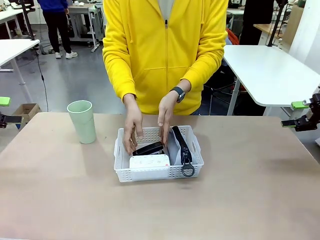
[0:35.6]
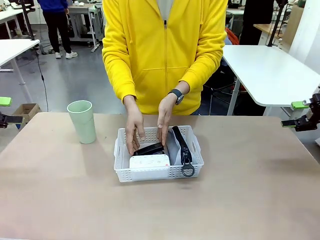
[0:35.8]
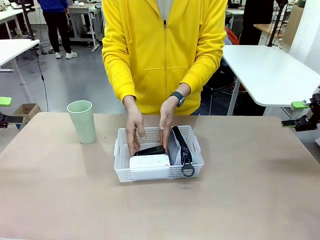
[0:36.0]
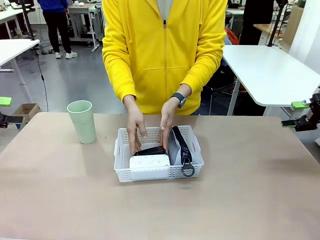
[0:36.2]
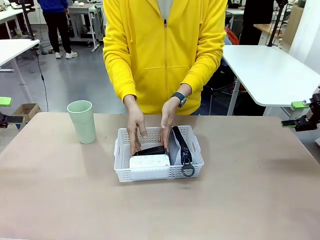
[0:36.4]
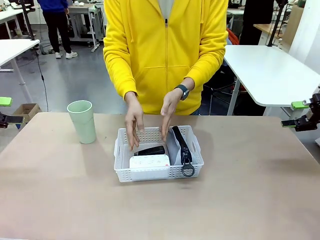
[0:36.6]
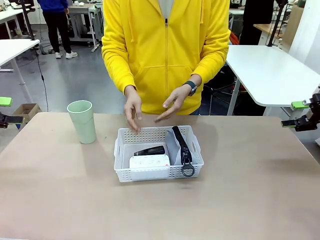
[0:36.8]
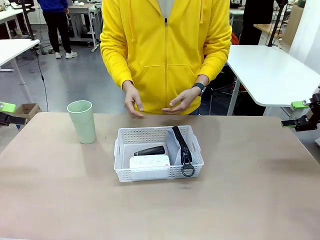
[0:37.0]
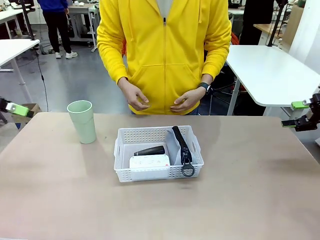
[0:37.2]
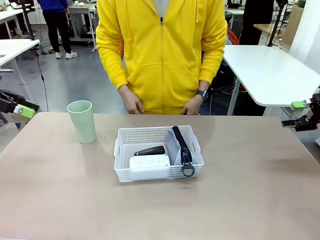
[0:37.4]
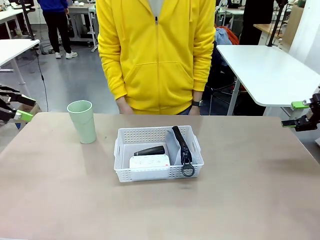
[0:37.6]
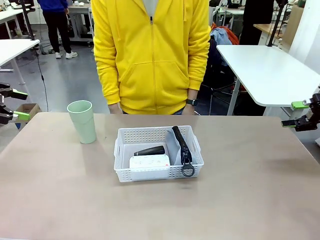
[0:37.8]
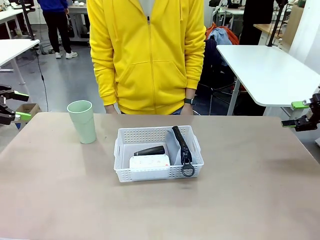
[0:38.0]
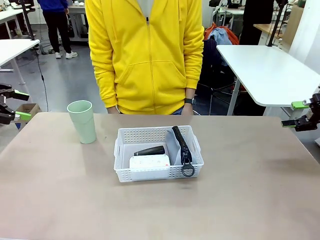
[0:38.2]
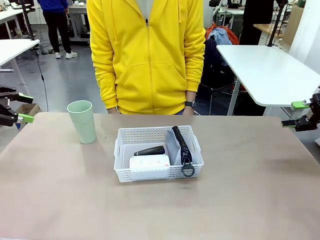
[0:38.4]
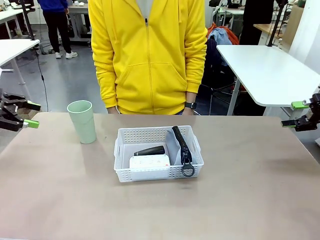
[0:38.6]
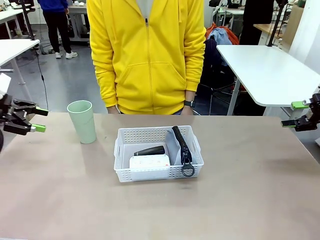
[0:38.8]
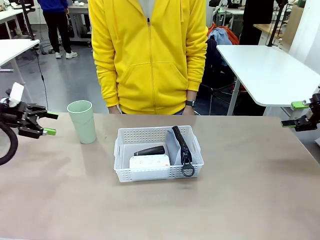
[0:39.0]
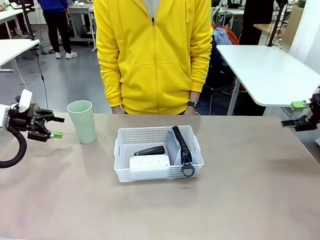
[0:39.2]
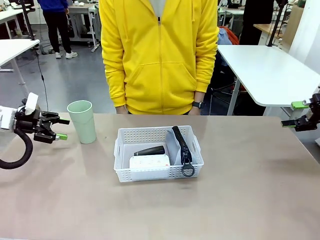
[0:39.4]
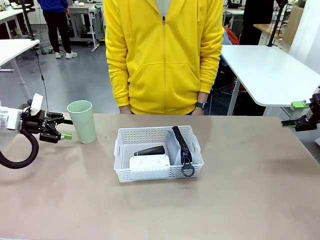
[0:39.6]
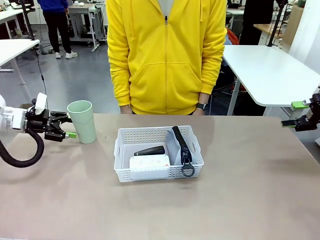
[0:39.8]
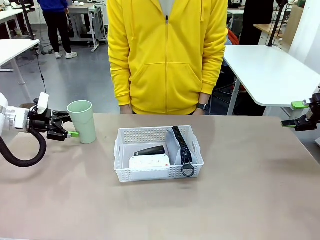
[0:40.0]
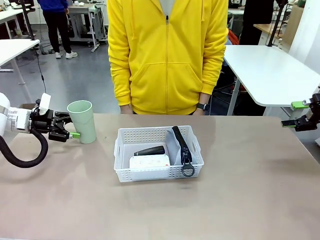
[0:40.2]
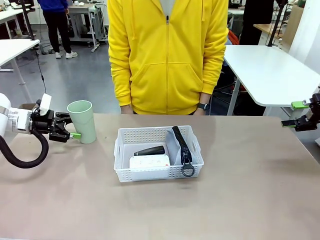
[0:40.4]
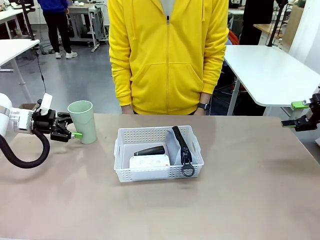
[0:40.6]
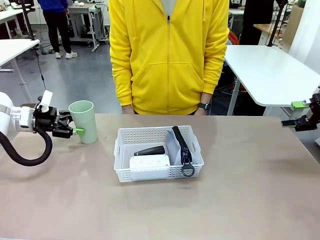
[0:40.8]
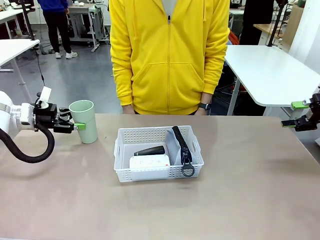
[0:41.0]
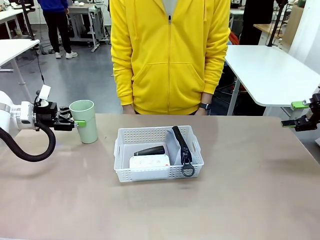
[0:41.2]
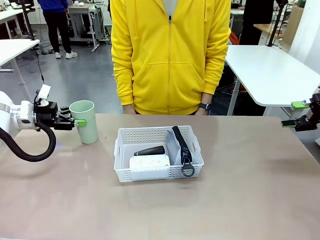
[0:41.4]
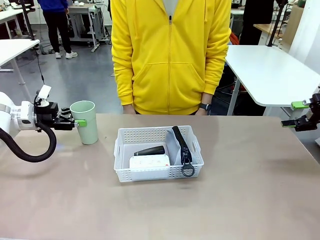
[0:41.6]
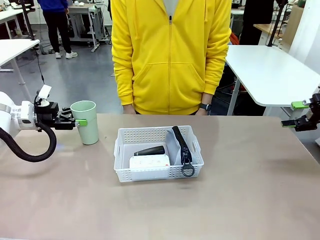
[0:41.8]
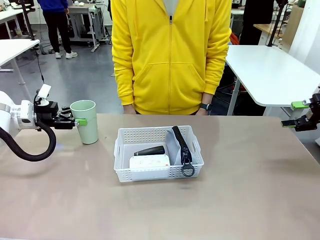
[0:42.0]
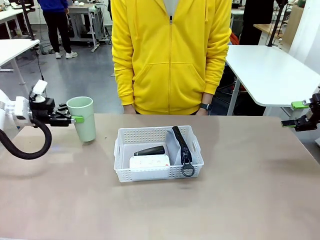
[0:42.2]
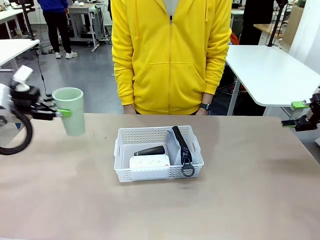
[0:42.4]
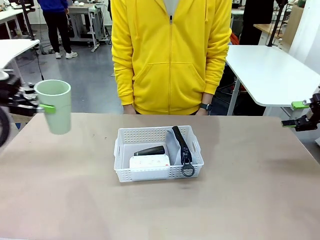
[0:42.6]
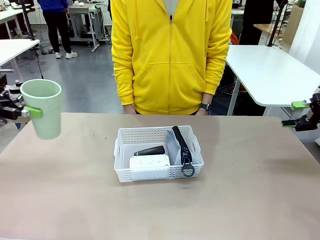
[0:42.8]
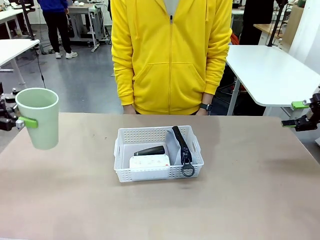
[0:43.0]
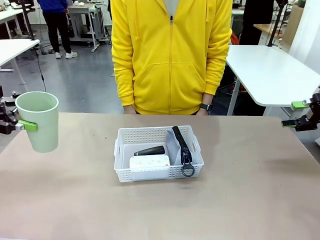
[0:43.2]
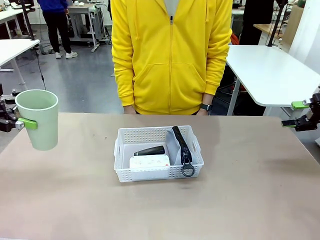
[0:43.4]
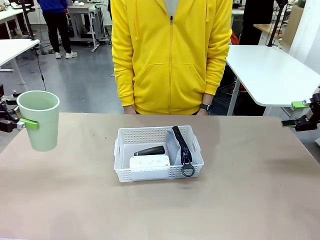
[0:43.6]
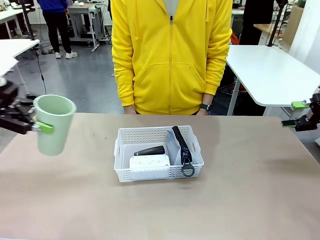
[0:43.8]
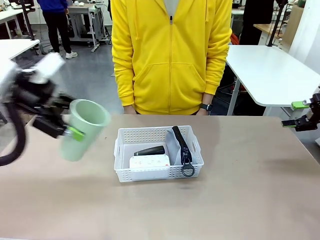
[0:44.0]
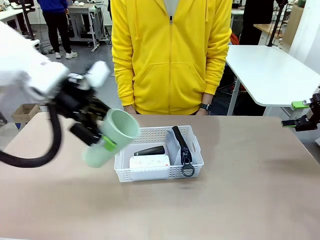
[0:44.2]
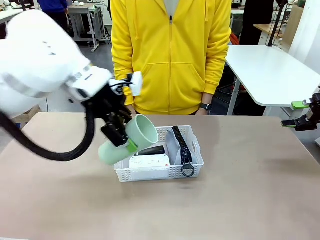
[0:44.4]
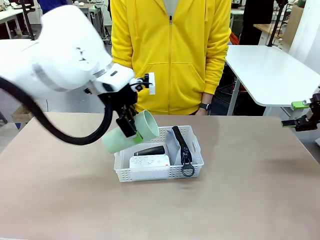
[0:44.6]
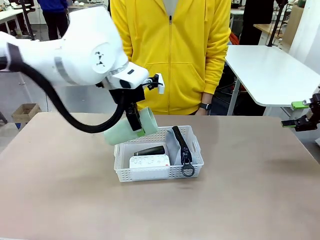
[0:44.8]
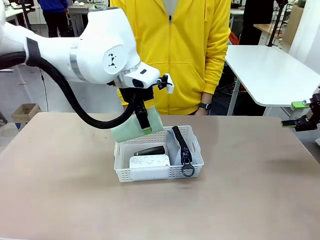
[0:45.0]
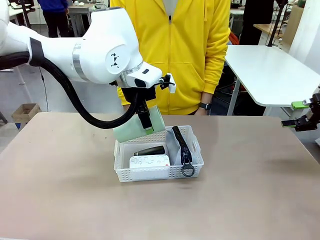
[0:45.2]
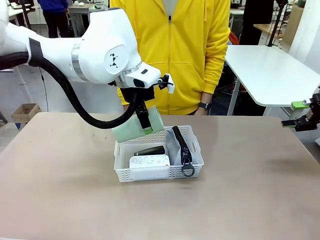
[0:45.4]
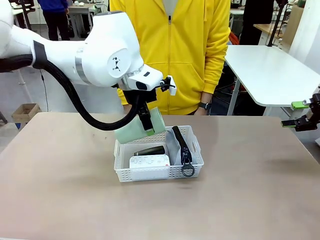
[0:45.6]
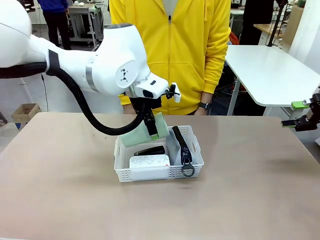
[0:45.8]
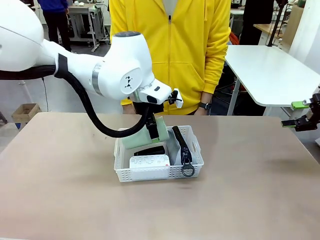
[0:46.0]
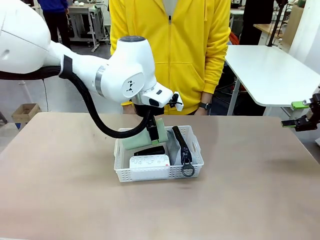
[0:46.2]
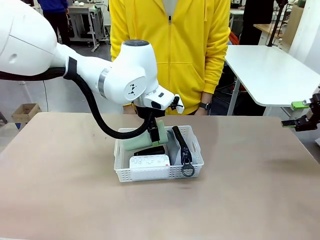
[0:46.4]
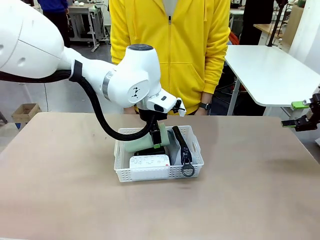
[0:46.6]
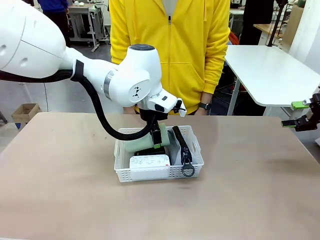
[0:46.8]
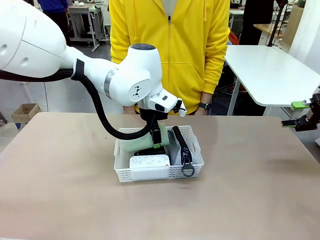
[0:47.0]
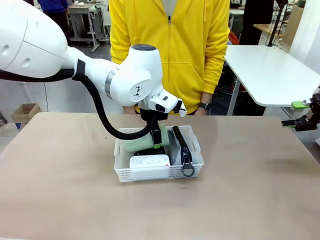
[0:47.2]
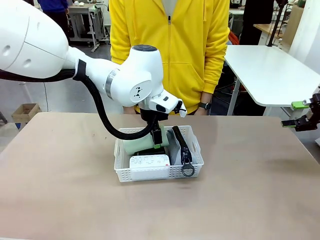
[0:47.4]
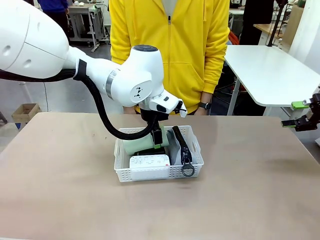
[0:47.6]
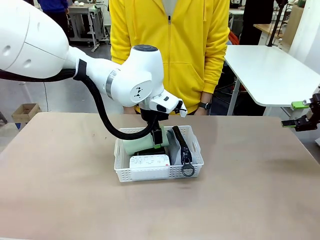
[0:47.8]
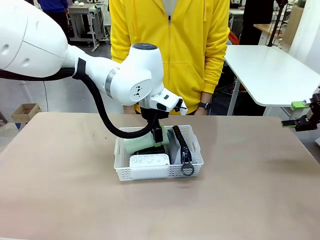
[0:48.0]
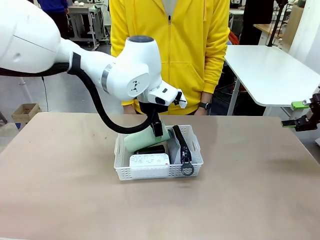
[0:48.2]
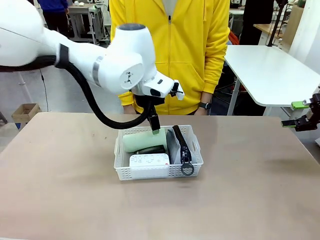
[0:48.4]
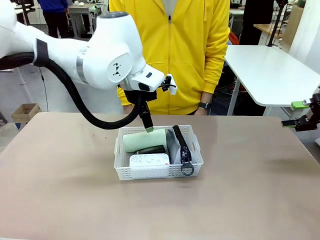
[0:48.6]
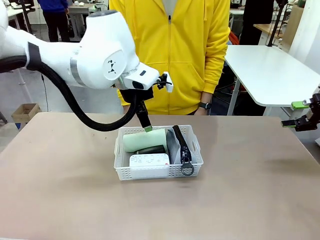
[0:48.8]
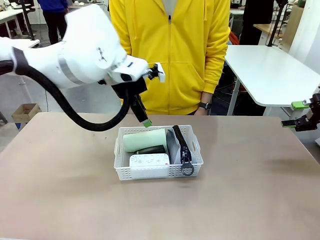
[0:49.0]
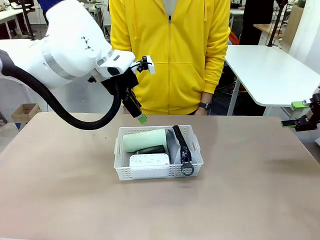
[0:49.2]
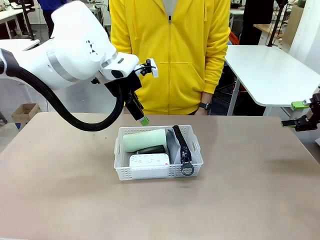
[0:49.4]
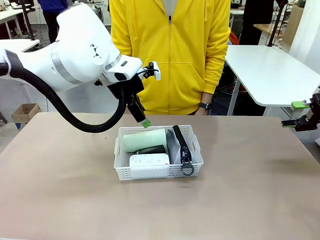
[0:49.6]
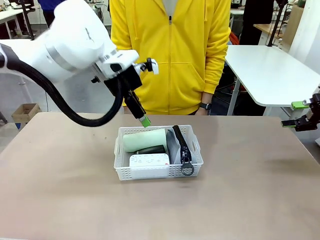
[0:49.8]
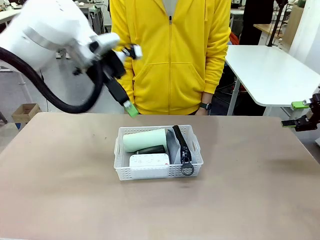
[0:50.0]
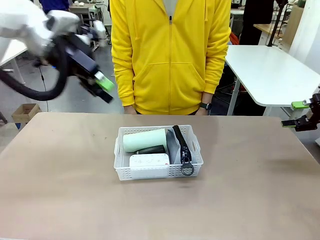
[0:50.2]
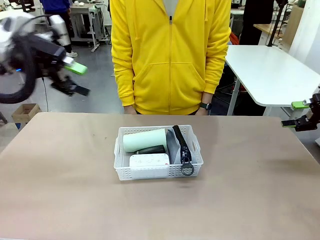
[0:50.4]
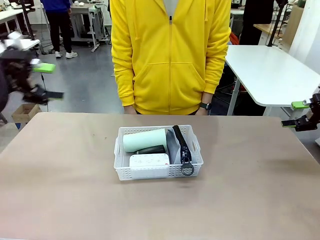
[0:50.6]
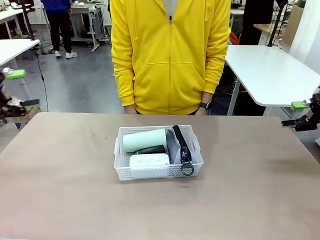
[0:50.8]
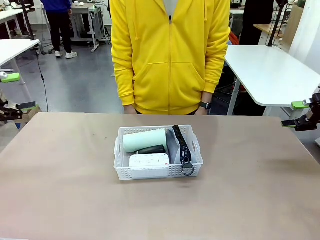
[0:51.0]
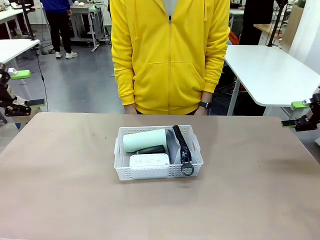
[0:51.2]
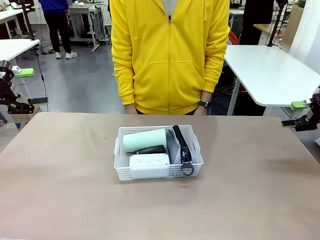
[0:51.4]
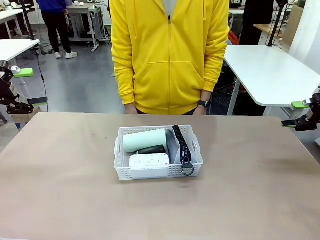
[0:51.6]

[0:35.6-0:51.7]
Task: Efficiently arrange items inside the basket to fit them all.
Robot: Pick up the Reusable plastic cup and place it inside the Organizing basket.
Person: Repositions the stapler.
